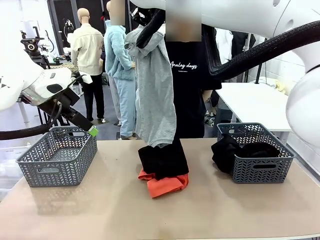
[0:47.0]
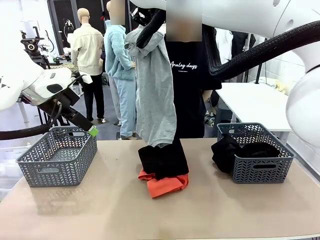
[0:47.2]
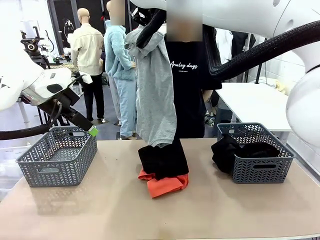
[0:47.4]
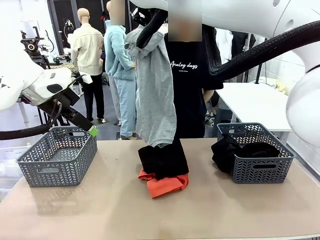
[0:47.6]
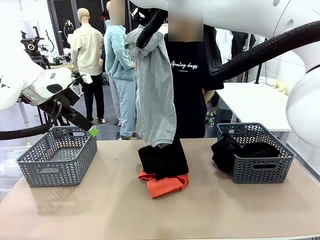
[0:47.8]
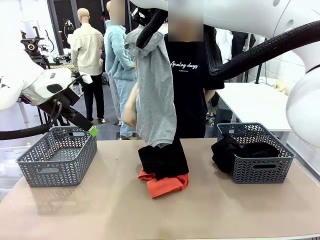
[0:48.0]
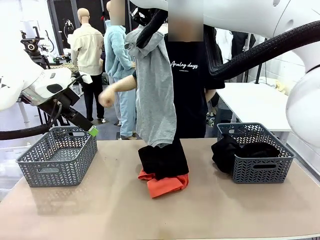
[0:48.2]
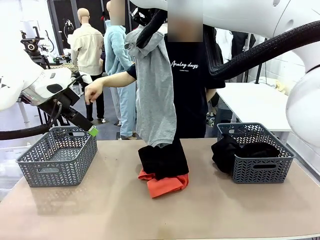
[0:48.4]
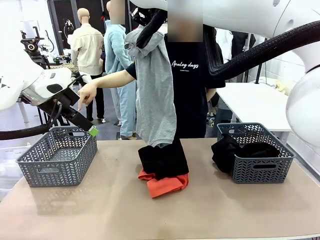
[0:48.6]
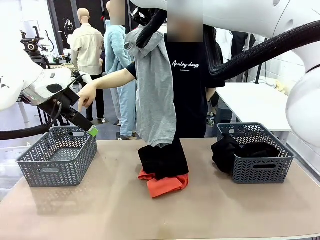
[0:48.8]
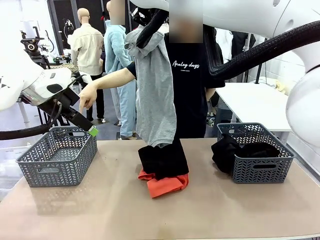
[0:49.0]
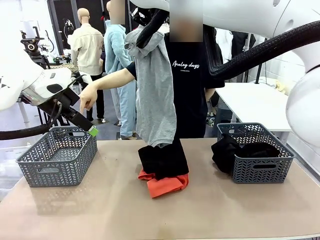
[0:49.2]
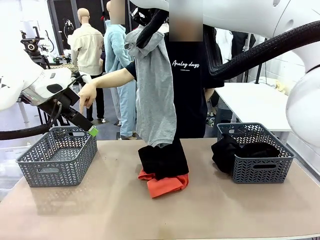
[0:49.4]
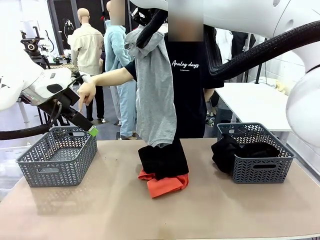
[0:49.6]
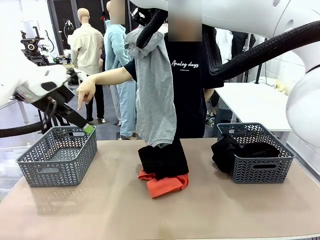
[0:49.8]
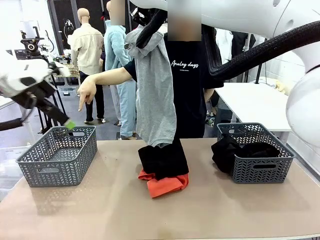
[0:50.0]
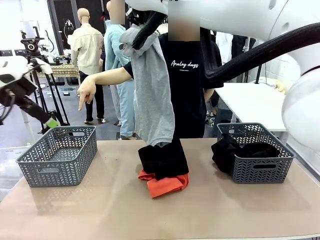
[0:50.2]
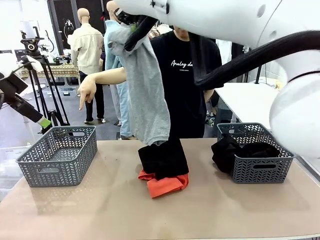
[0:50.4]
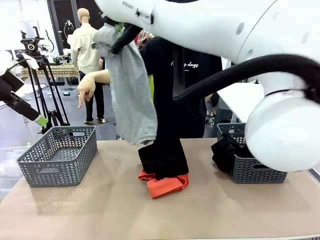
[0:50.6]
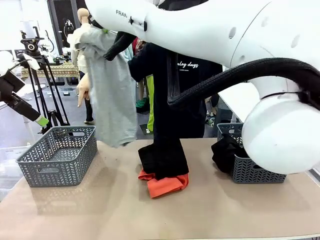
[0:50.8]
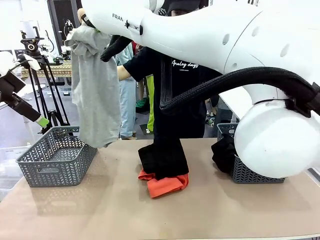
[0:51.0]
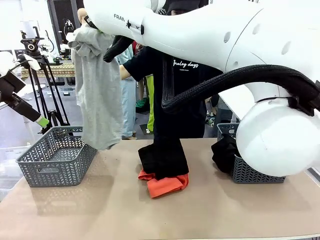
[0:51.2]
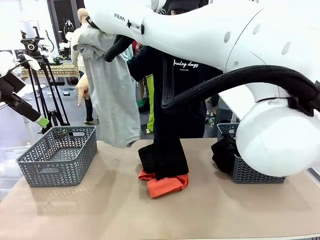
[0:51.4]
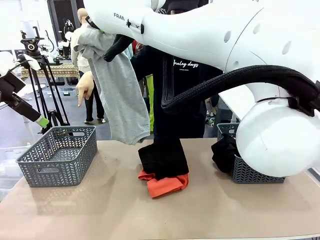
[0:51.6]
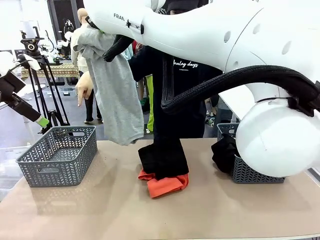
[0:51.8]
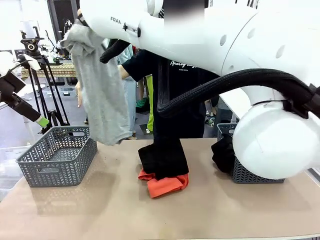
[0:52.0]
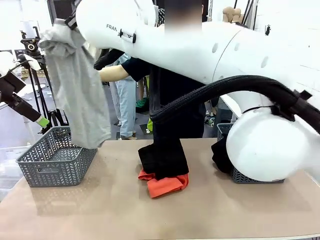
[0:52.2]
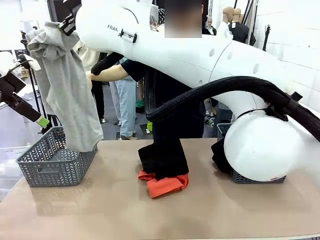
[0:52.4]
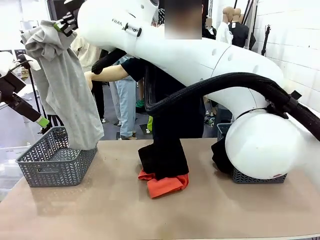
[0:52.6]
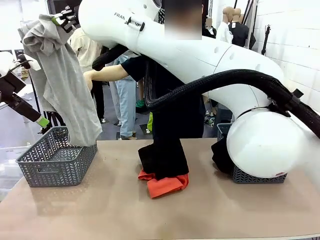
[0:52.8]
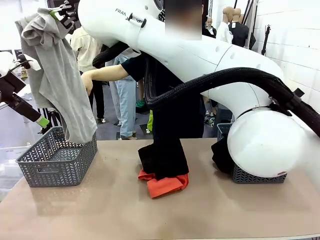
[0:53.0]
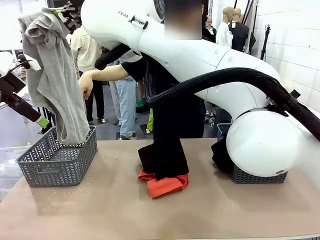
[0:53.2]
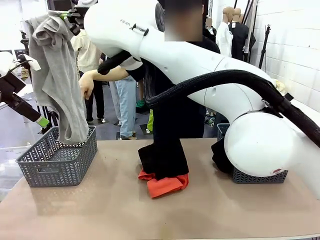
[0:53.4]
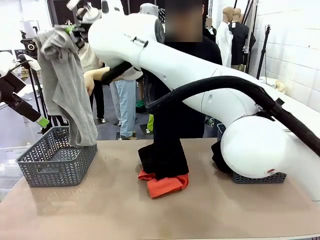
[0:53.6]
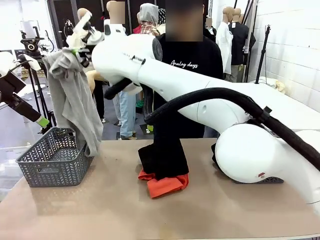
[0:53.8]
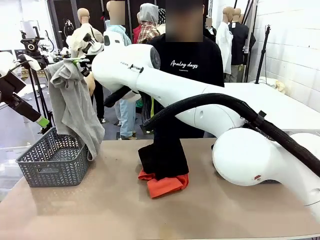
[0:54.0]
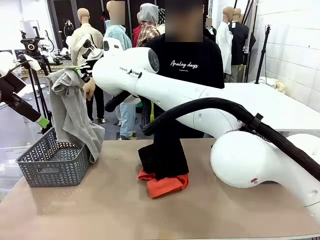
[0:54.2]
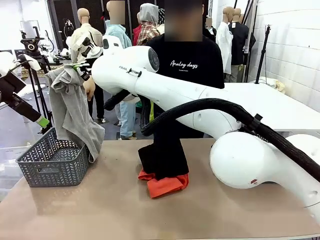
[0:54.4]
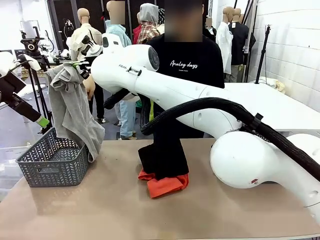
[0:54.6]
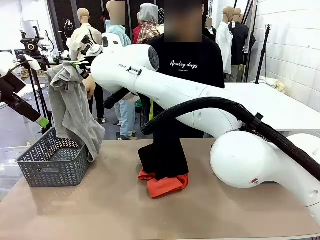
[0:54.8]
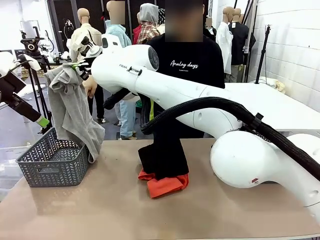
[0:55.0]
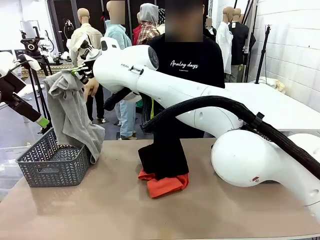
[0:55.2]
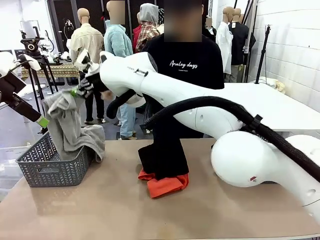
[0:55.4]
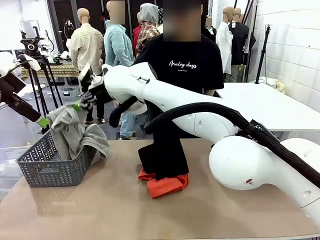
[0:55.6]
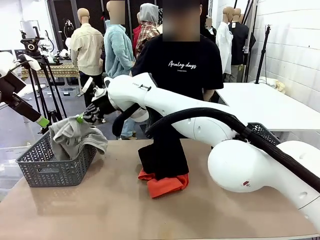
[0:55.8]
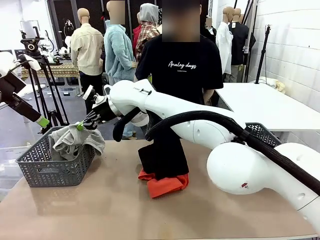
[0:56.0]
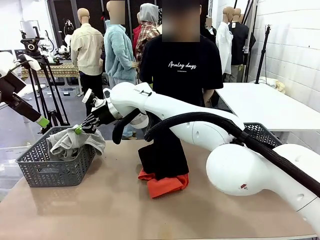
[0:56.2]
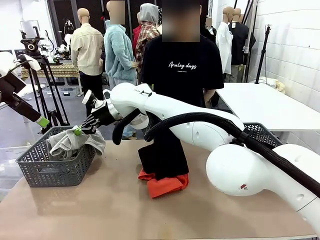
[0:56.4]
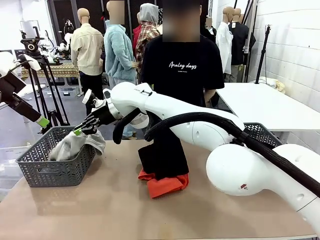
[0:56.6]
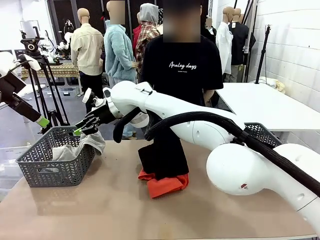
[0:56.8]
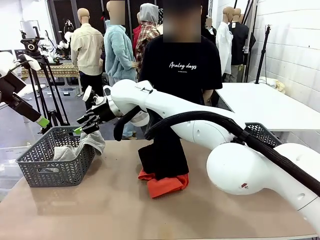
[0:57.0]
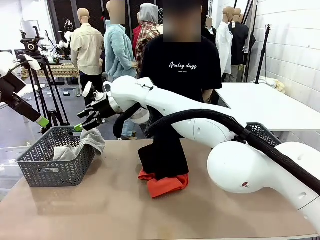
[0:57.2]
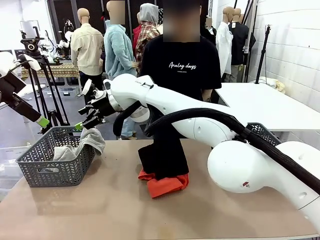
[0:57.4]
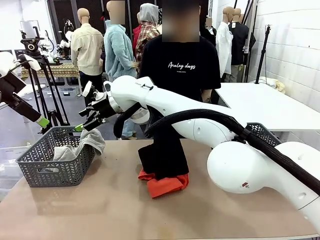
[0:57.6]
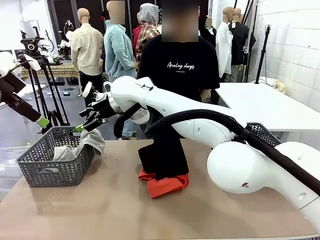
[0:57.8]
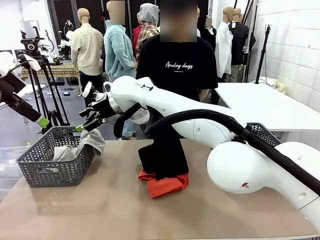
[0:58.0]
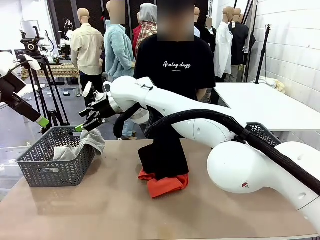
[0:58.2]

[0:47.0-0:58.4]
Task: Sort the tops and bottoms.
Robot: Sort the clothes according to human instructions.

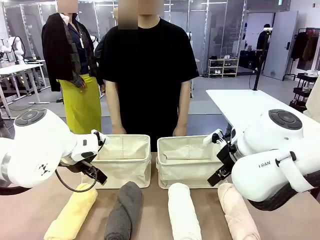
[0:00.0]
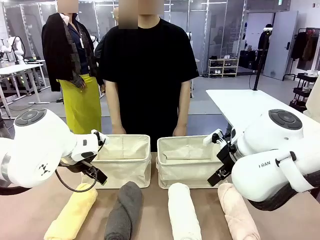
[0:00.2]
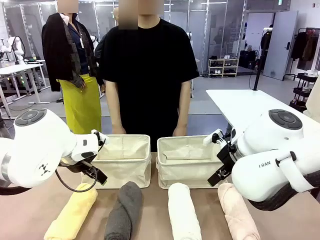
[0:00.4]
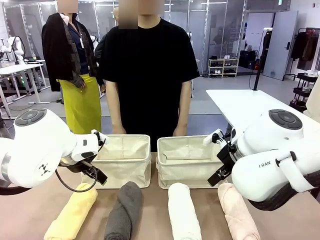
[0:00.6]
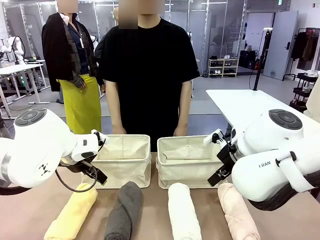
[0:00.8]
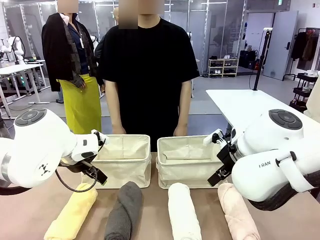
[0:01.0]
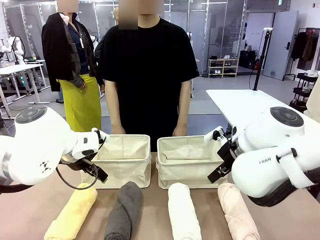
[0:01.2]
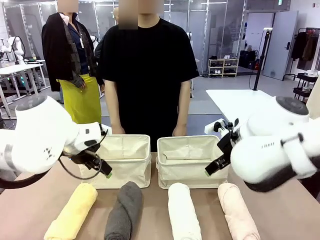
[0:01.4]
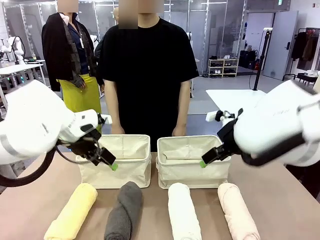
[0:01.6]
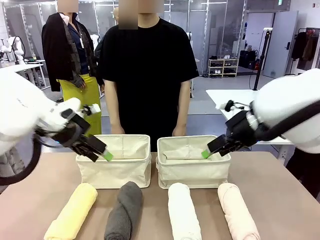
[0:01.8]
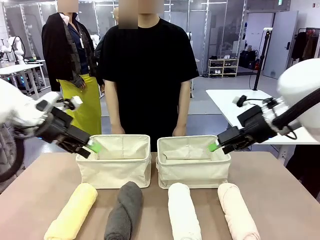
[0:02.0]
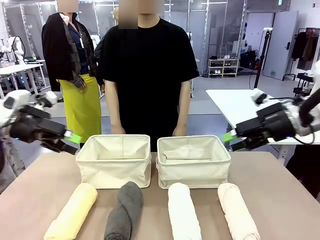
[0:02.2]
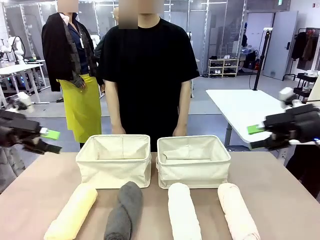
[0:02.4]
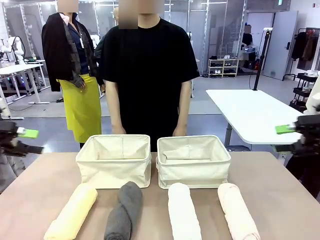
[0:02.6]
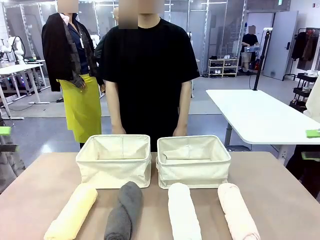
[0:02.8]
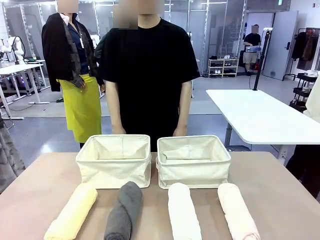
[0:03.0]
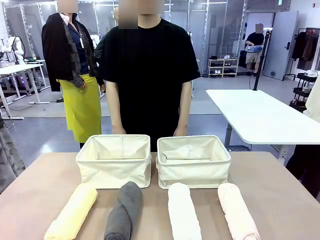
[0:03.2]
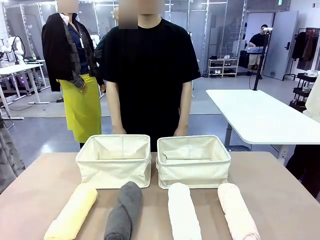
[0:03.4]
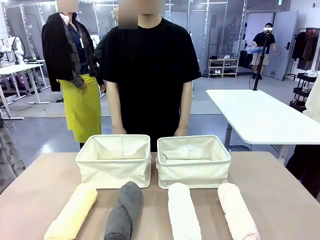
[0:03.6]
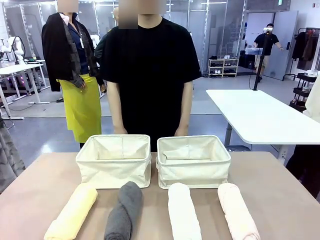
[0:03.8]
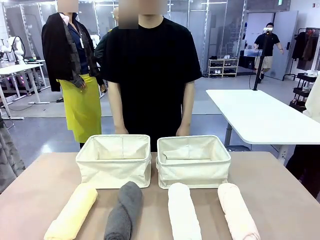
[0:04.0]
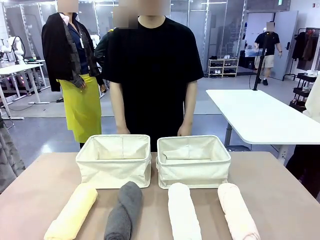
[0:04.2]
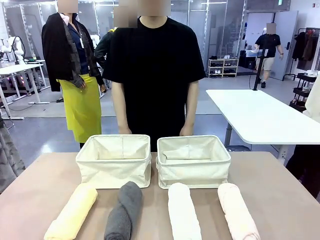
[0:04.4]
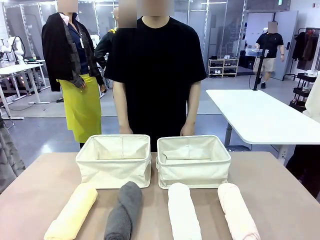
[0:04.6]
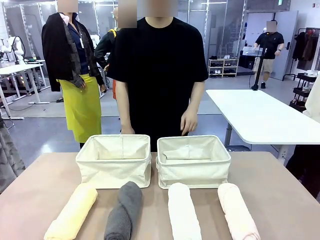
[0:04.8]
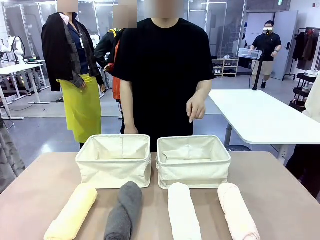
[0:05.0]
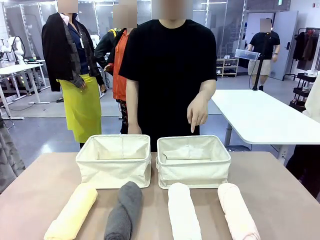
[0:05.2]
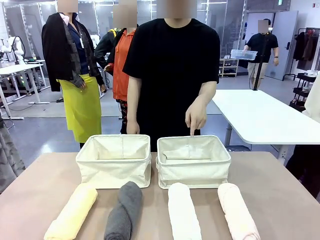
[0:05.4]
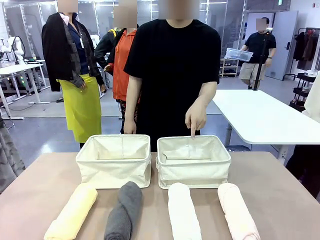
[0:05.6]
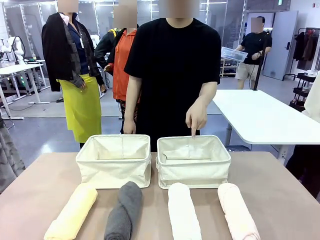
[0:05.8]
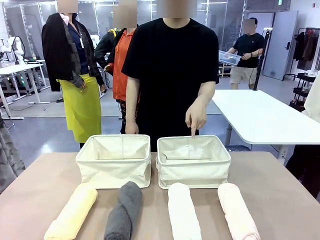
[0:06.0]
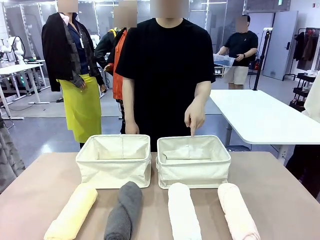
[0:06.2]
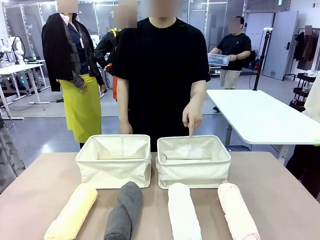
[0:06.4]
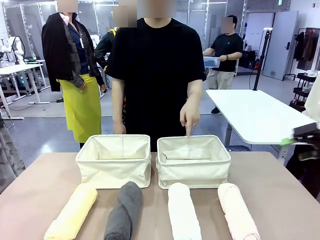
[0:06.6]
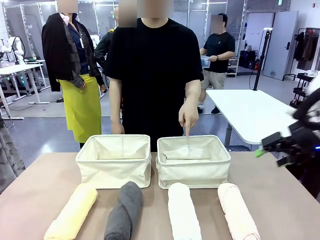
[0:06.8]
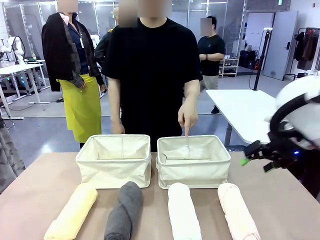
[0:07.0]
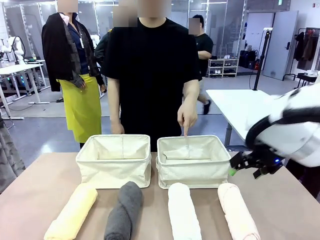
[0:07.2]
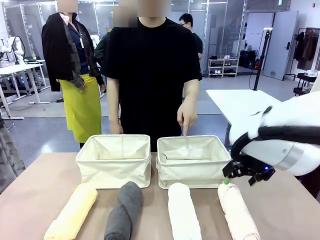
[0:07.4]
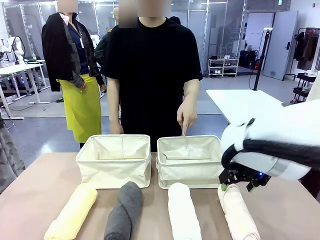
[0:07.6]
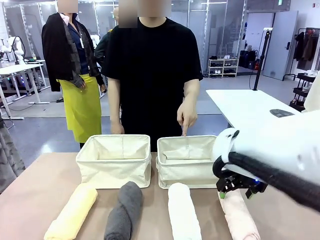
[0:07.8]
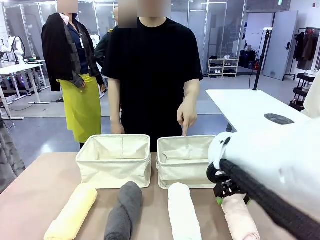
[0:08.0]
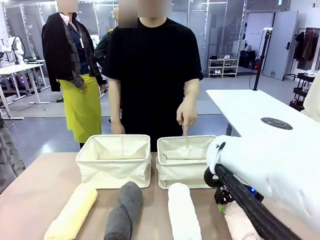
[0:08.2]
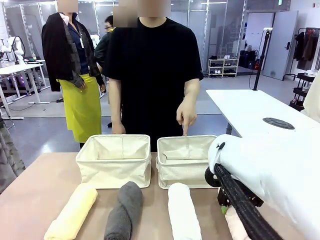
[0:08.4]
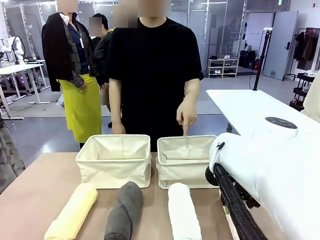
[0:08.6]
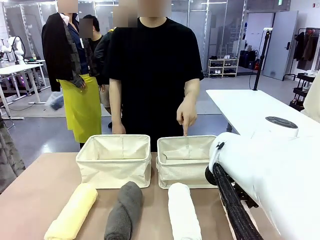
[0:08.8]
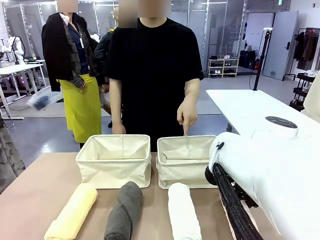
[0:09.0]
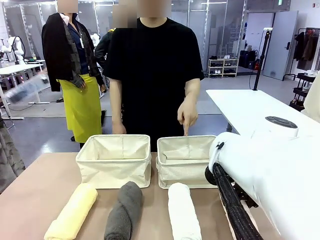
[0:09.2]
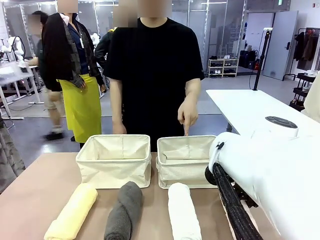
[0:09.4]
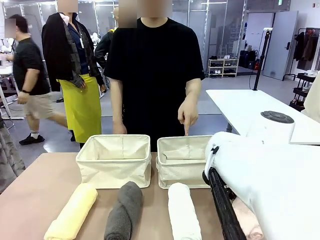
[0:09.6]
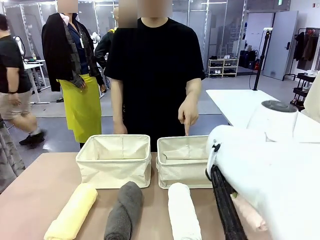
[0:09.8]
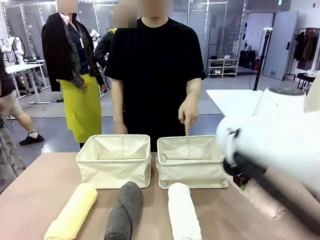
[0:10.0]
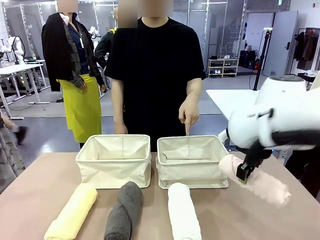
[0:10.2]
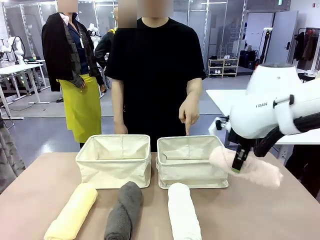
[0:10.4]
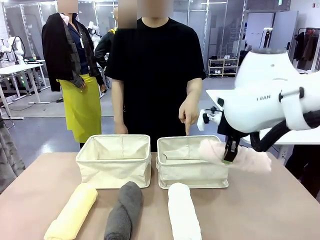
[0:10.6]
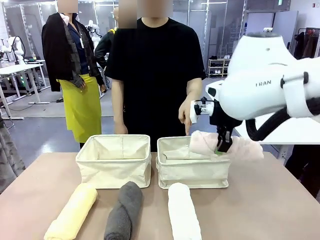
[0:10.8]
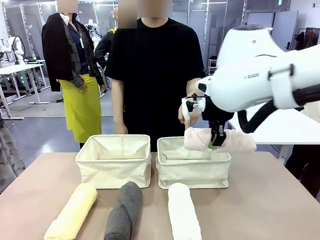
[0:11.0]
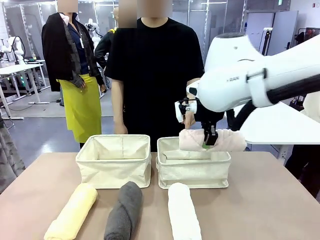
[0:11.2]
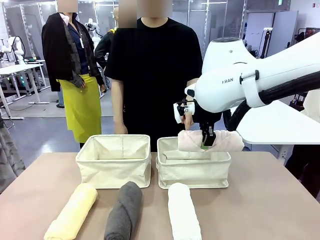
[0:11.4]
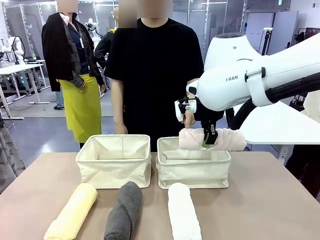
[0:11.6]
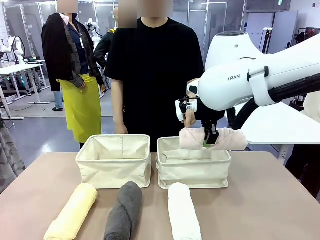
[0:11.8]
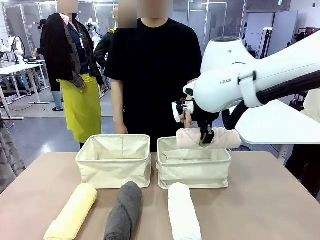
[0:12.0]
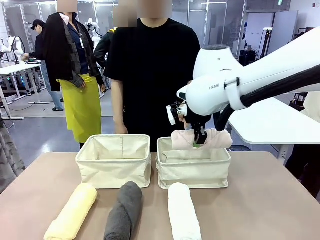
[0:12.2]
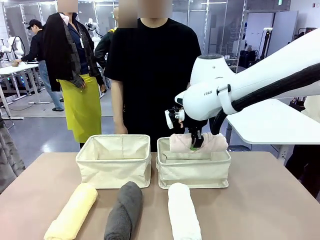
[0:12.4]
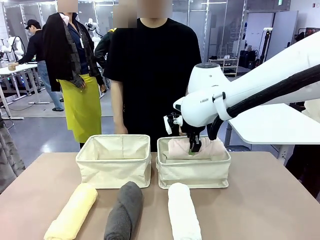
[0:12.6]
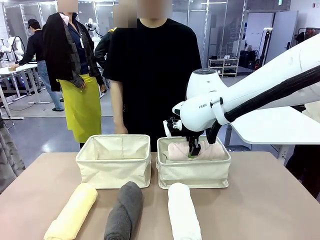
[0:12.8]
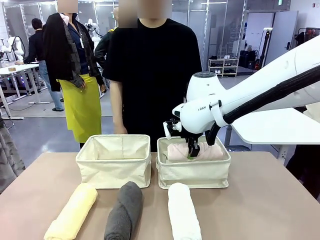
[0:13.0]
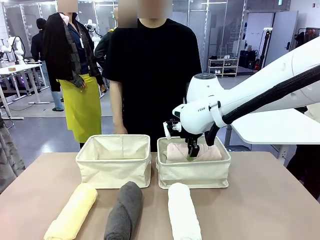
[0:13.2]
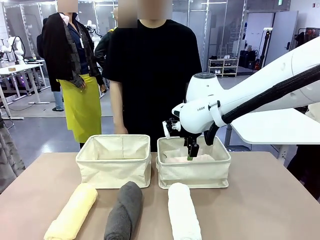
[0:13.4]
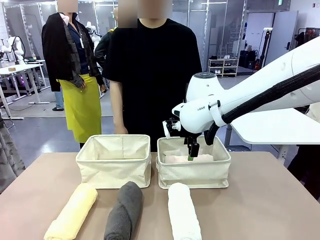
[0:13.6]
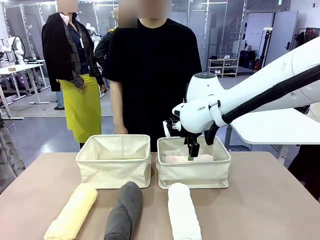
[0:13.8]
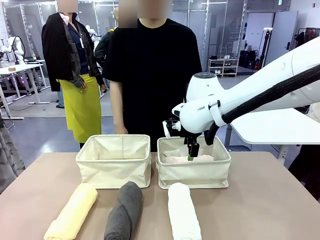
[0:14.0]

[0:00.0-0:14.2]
Task: Divide the towels into two baskets.
Robot: Pick up one hotel-folded towel and place it in the Fabric basket indicated by the person.
